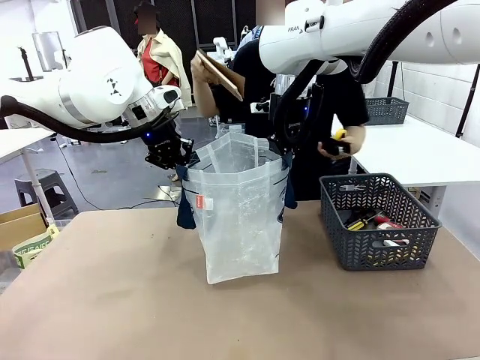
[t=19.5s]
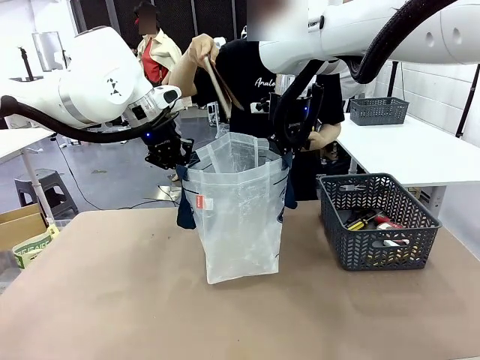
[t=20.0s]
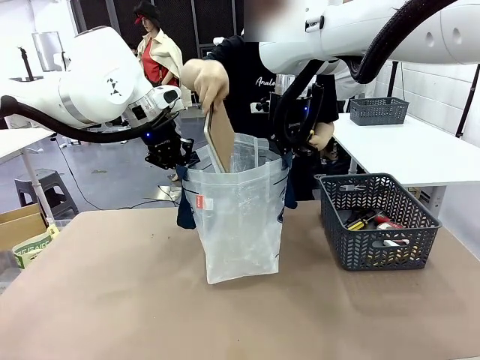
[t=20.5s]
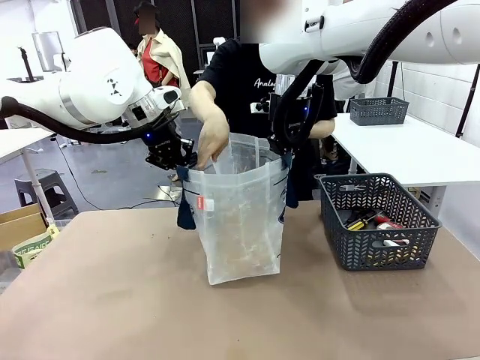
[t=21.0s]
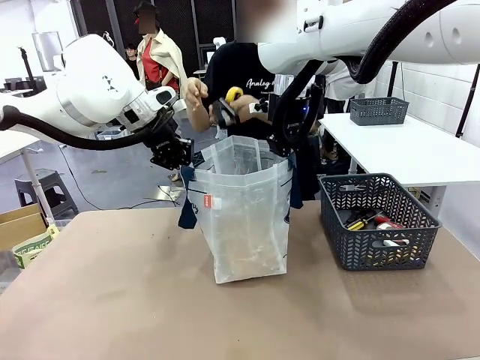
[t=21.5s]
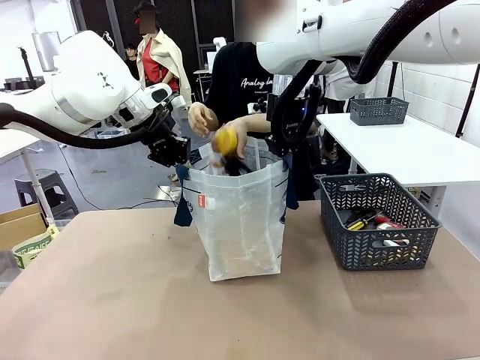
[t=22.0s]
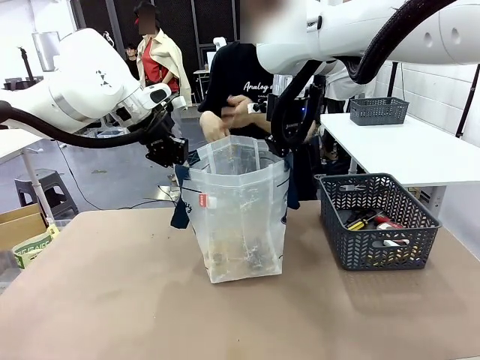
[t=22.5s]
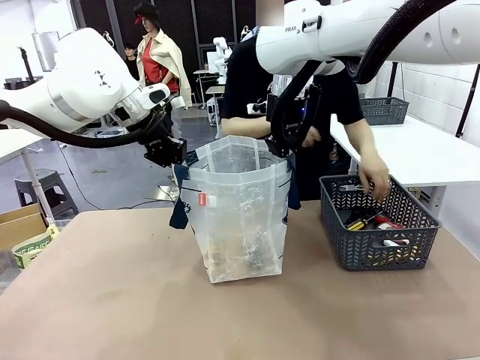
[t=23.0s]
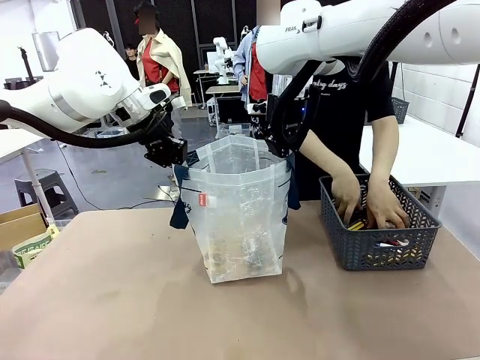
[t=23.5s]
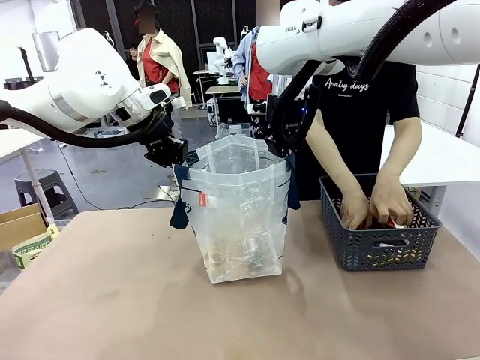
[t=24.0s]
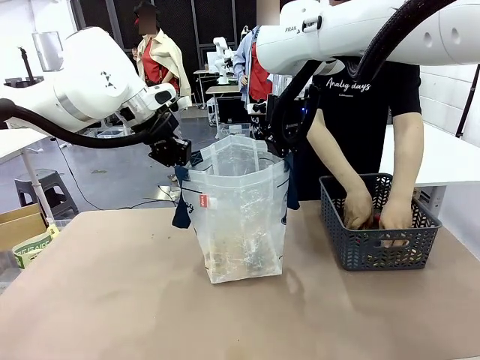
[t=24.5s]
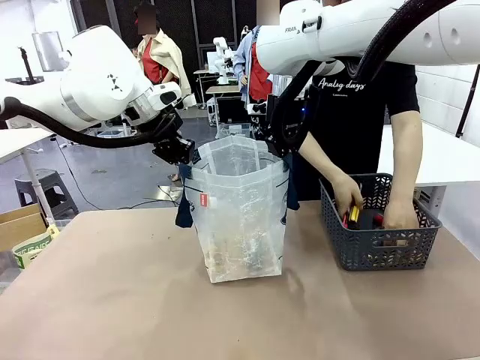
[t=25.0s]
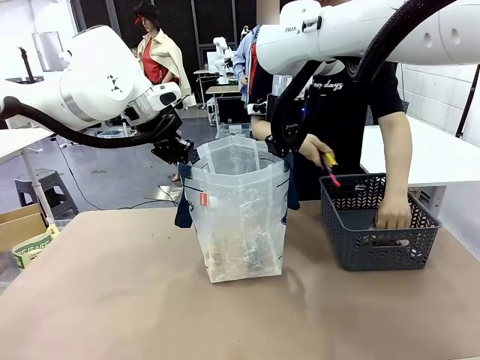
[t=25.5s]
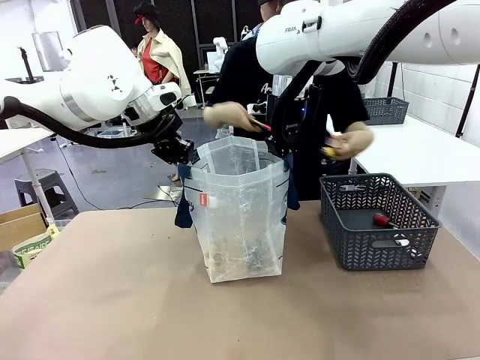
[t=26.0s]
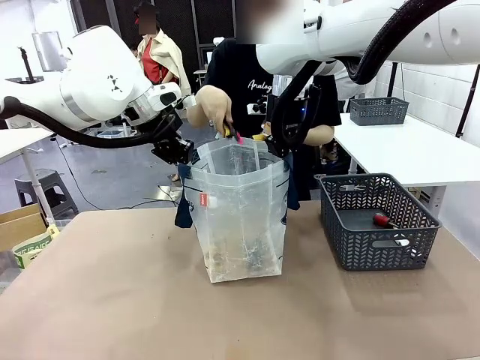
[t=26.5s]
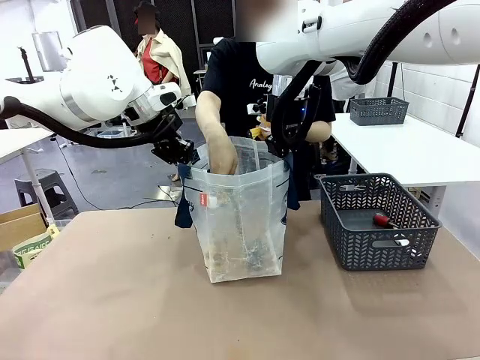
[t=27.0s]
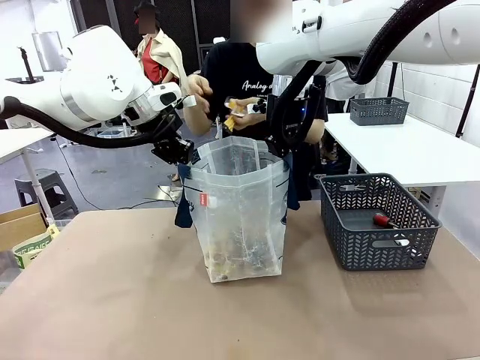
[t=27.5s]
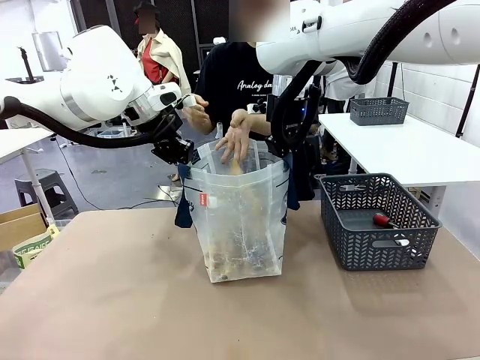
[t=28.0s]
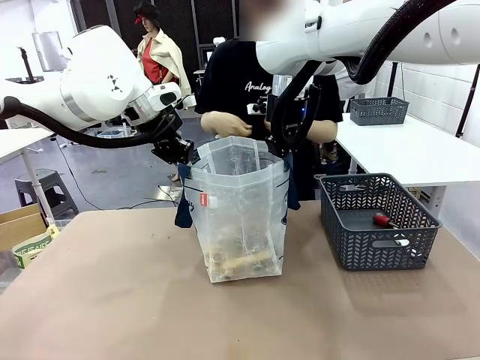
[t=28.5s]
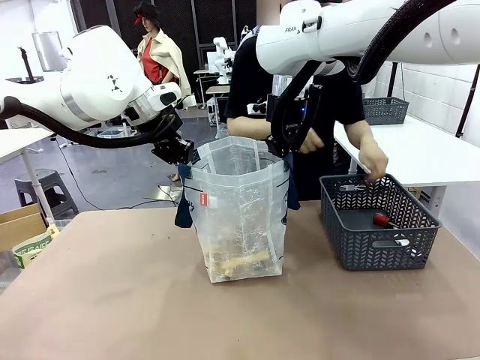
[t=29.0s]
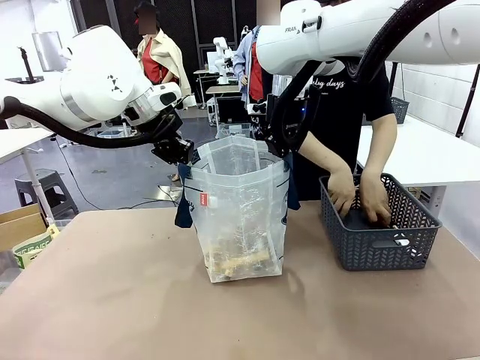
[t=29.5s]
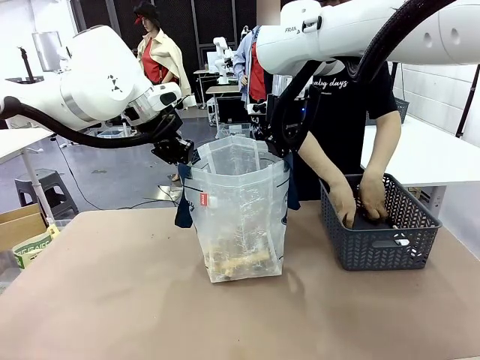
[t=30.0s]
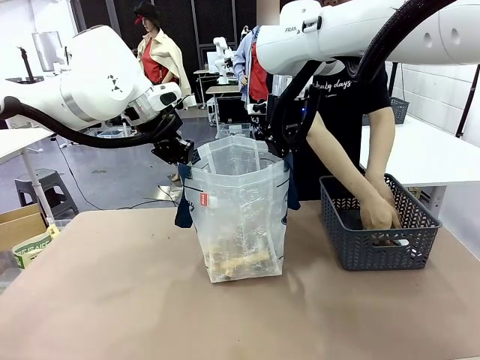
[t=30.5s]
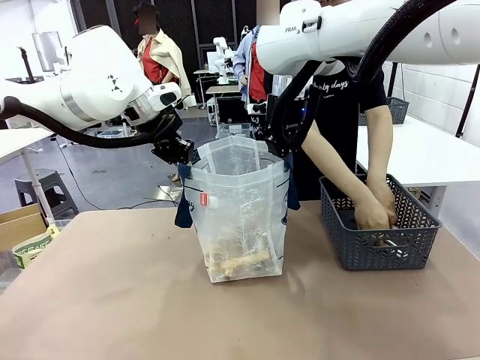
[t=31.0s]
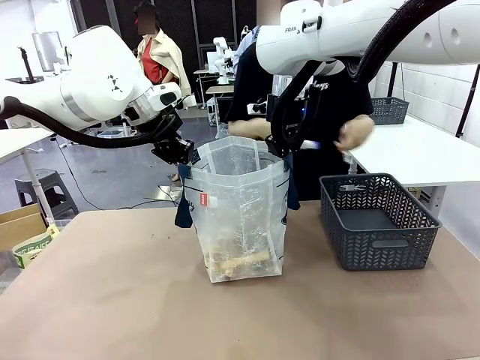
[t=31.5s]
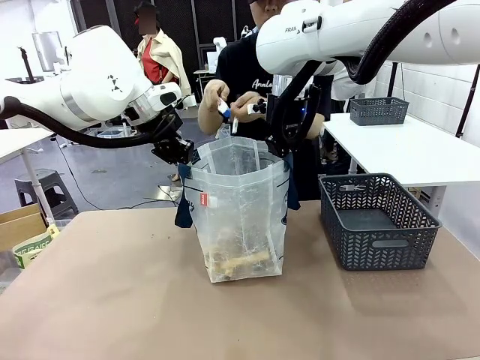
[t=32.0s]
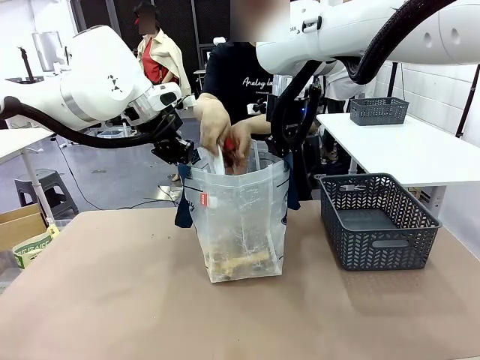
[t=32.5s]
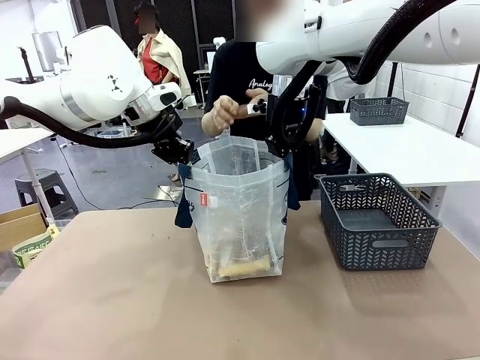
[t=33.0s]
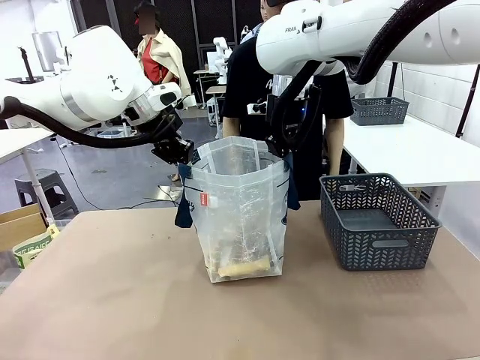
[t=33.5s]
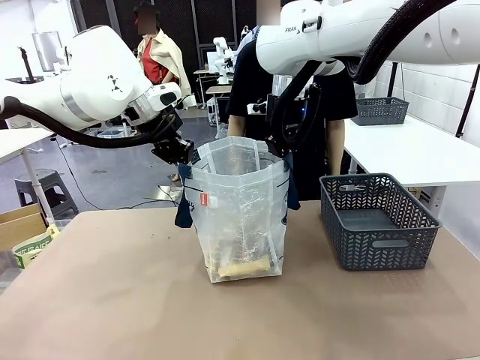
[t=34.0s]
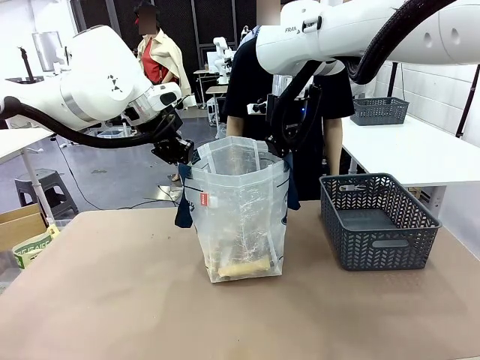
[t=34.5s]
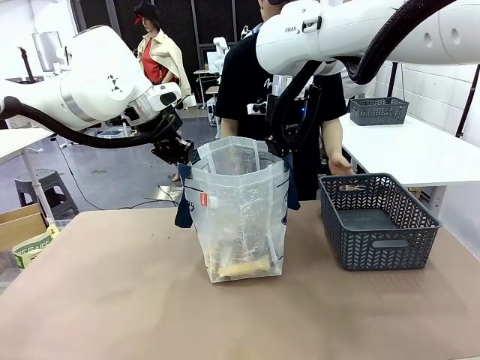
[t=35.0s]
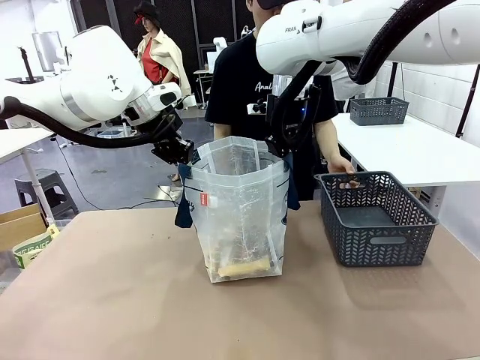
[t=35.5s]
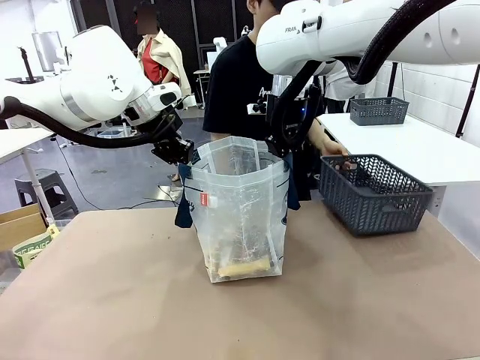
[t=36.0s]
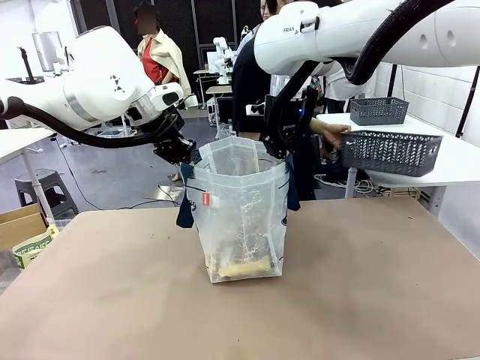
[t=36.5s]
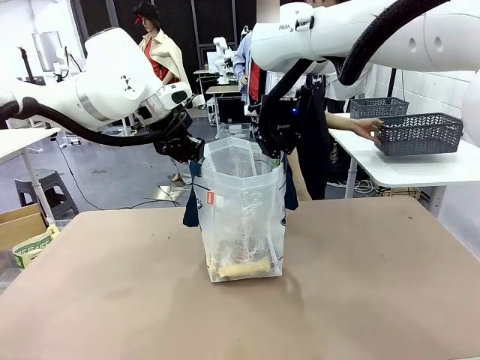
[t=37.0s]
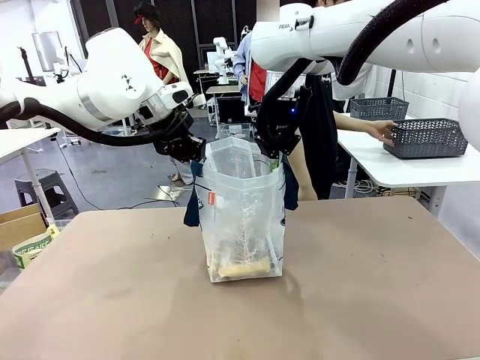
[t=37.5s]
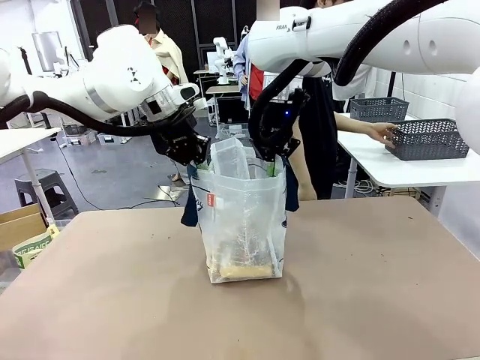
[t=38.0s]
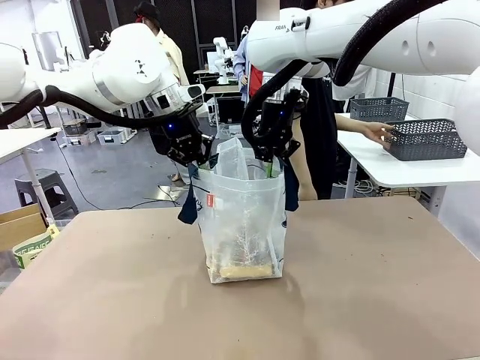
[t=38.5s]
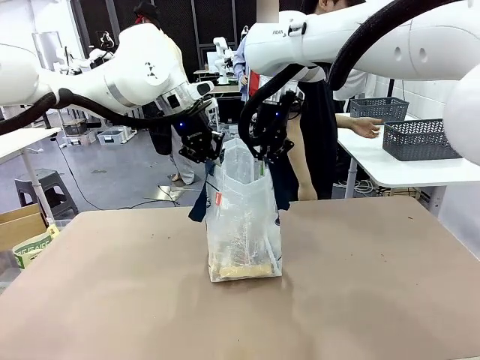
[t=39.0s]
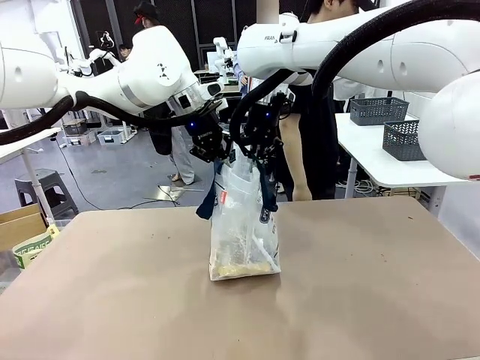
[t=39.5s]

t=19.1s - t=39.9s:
Task: Transfer purchased items from the store into the shopping bag.
Robot: Move the Reusable shopping bag to the right side of the table.
Person: Pick up the basket on the right, place it on the left side of the robot table, and move the items in the basket to the shopping bag. Pick up the basket with the items out and place it on the right side of the human table.

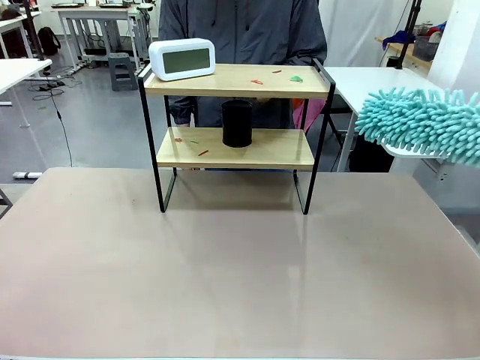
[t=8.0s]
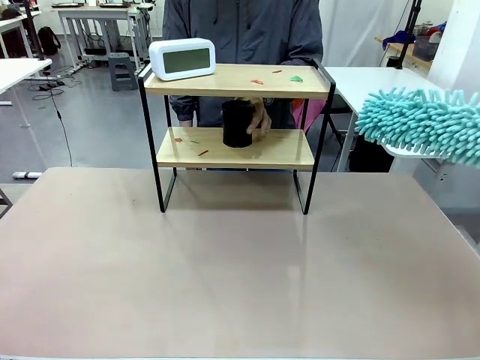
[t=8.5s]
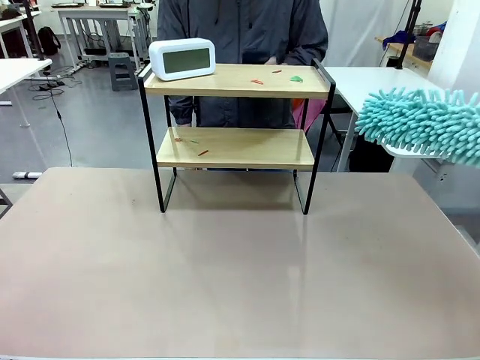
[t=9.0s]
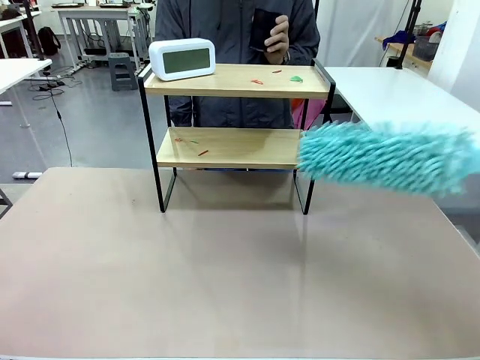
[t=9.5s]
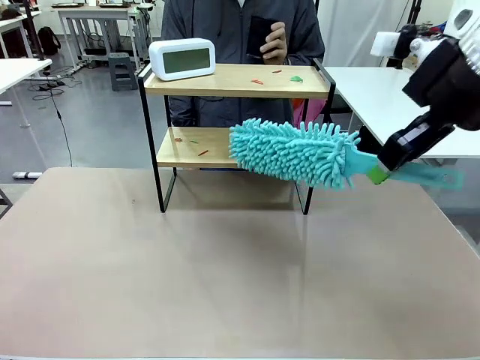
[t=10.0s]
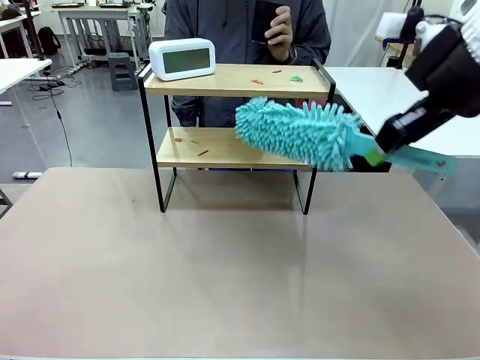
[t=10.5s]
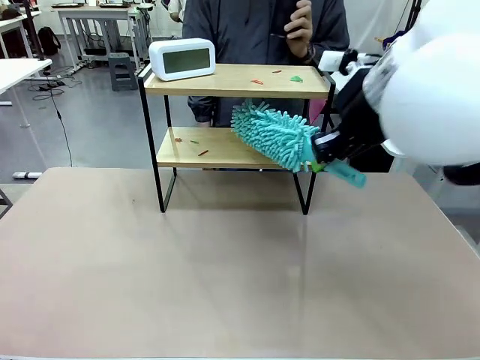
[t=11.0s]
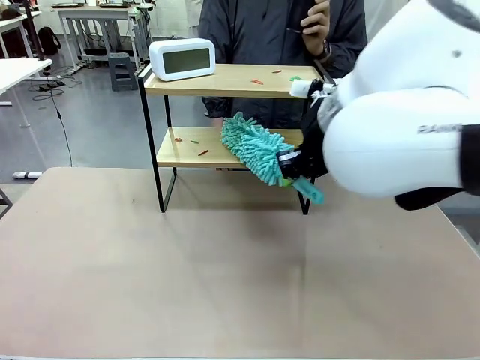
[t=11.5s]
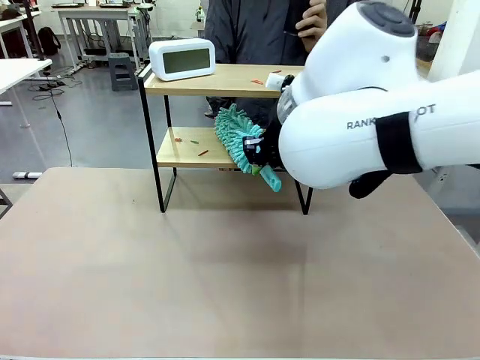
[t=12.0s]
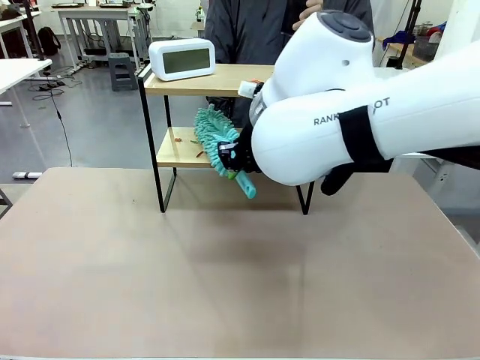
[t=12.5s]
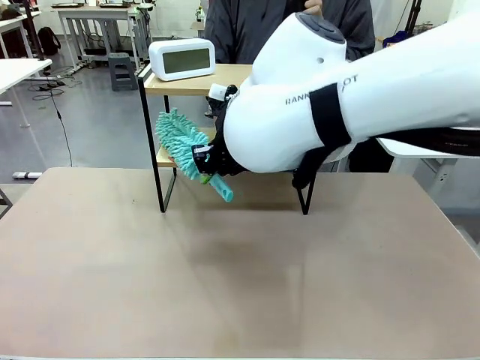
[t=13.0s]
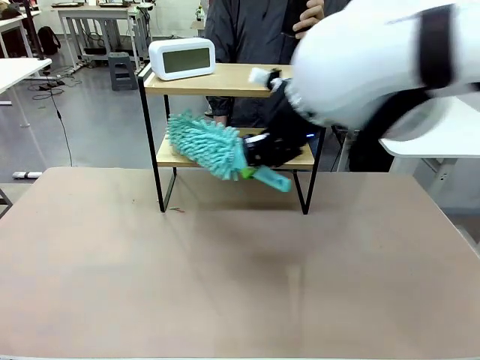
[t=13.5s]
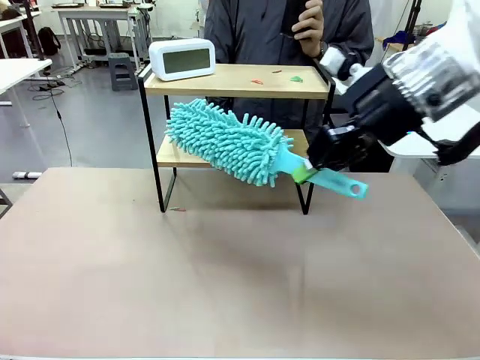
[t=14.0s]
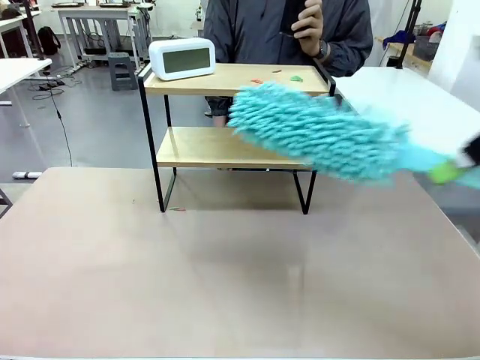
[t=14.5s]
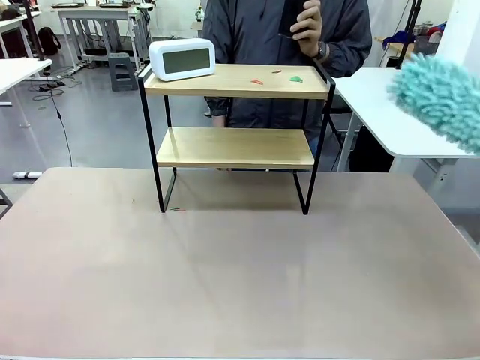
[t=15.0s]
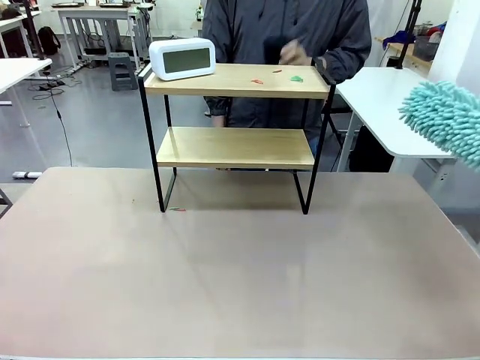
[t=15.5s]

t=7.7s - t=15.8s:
Task: Clean the shelf.
Robot: Clean the specific tier of the Shelf with the Duster once objects are removed.
Person: Lift the objects on a randomly selected tier of the Shelf. Once the robot finishes cleaning, lift the objects on the remaining tiers of the Shelf.
